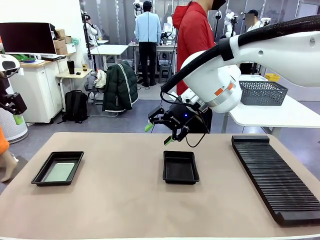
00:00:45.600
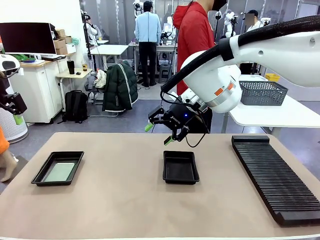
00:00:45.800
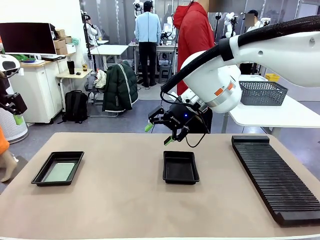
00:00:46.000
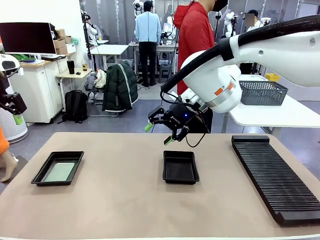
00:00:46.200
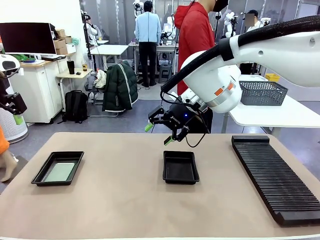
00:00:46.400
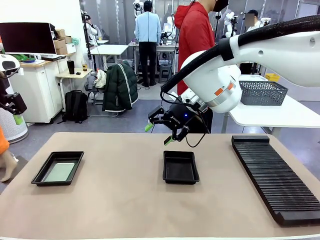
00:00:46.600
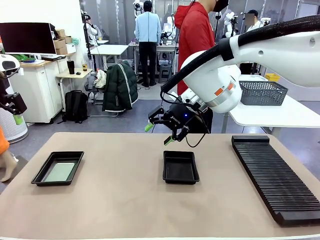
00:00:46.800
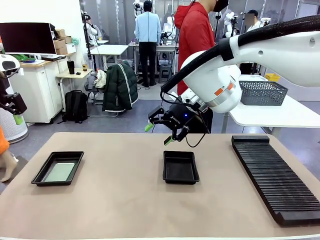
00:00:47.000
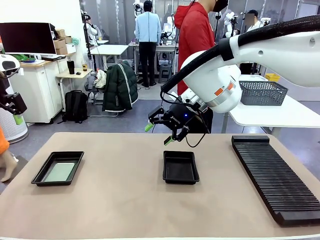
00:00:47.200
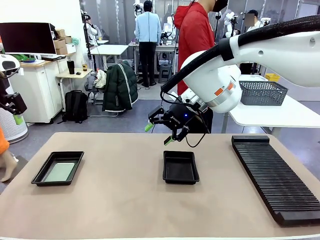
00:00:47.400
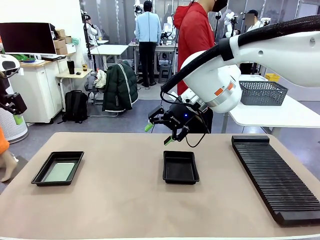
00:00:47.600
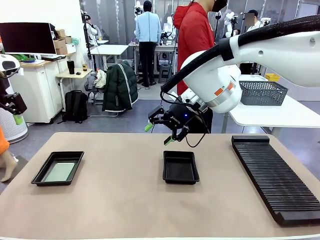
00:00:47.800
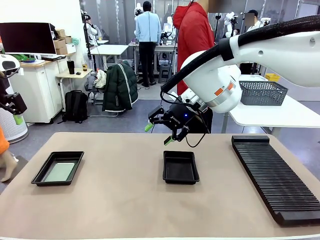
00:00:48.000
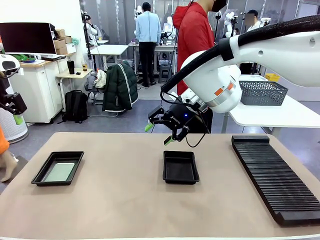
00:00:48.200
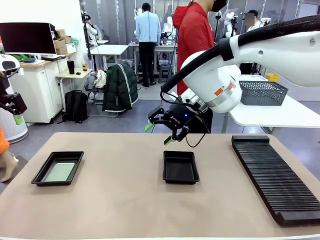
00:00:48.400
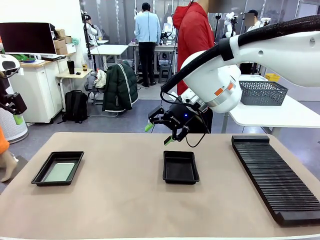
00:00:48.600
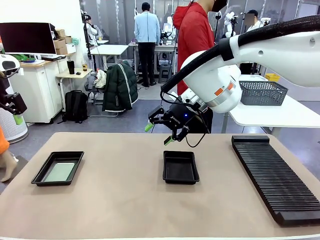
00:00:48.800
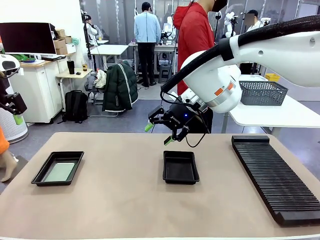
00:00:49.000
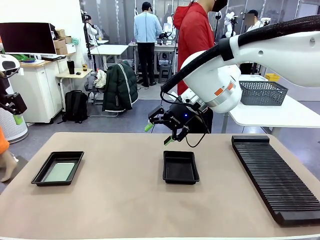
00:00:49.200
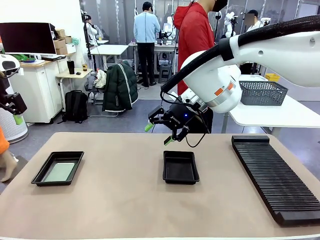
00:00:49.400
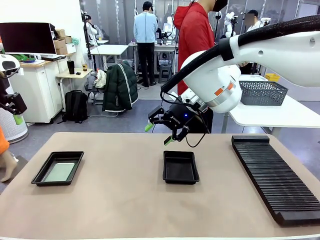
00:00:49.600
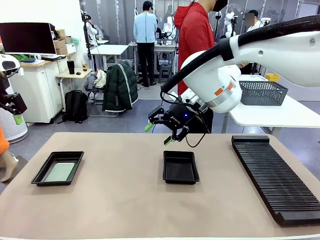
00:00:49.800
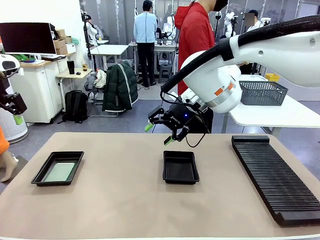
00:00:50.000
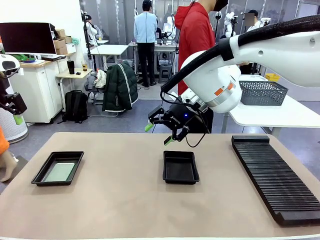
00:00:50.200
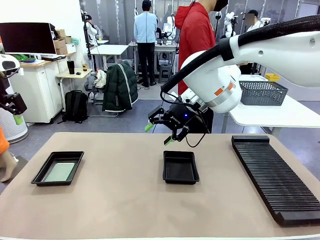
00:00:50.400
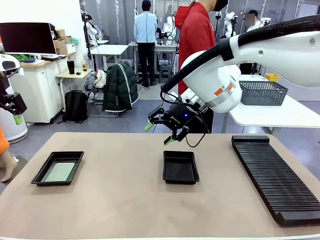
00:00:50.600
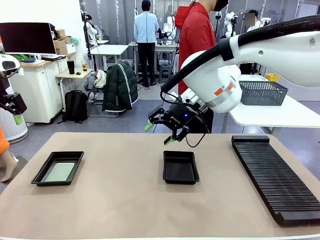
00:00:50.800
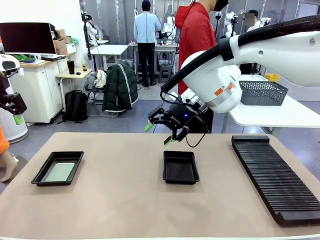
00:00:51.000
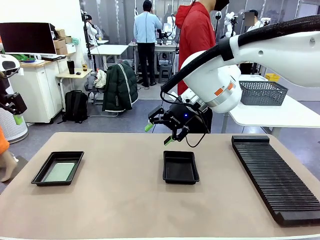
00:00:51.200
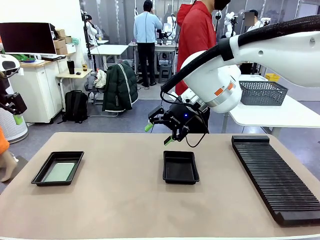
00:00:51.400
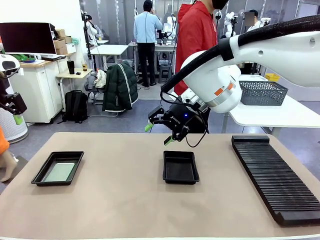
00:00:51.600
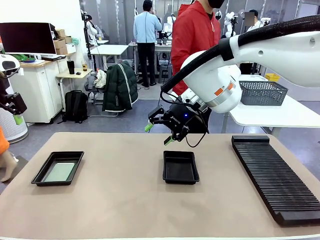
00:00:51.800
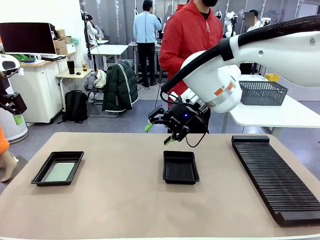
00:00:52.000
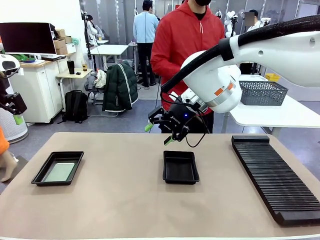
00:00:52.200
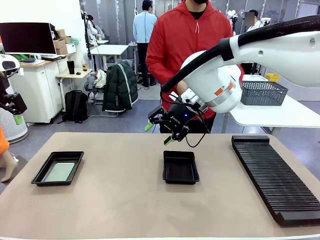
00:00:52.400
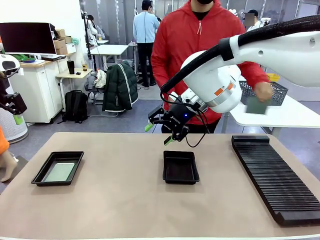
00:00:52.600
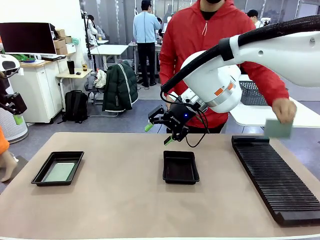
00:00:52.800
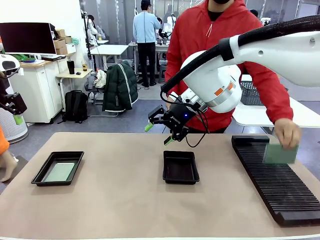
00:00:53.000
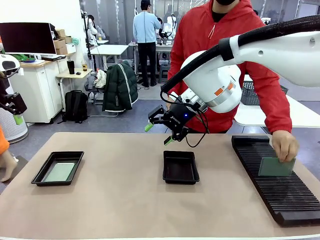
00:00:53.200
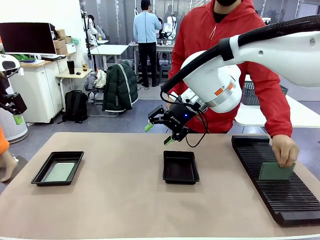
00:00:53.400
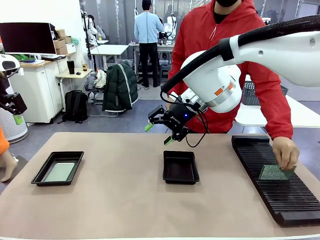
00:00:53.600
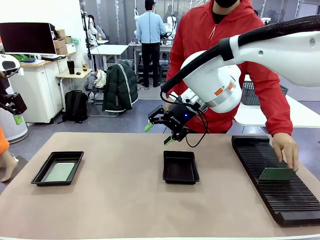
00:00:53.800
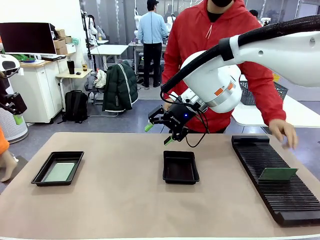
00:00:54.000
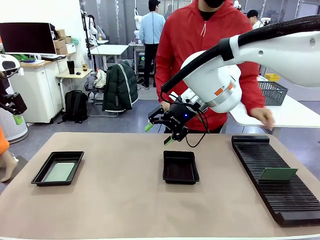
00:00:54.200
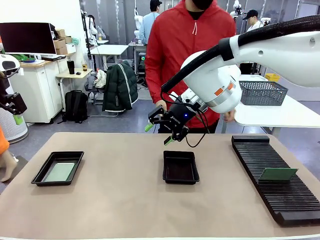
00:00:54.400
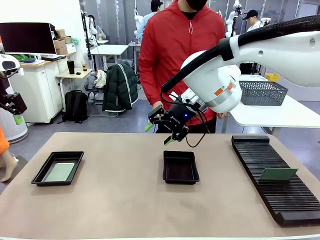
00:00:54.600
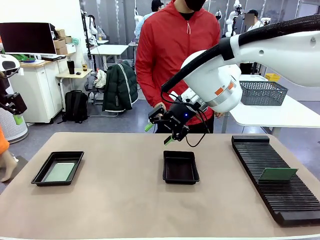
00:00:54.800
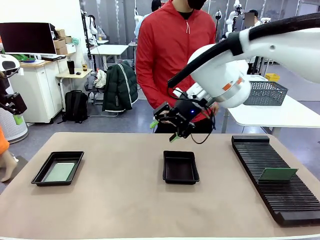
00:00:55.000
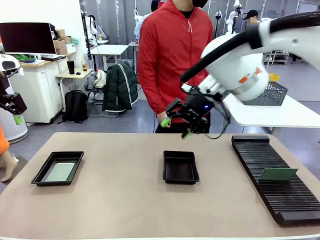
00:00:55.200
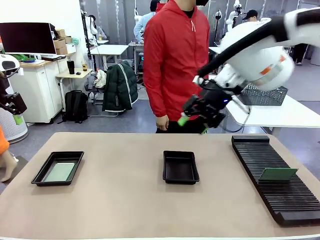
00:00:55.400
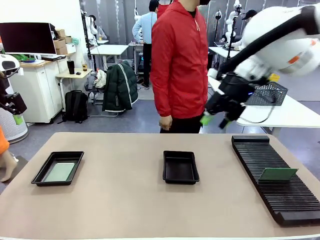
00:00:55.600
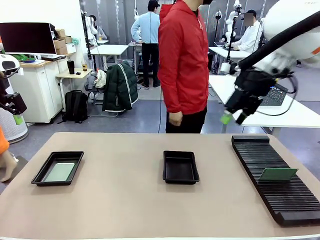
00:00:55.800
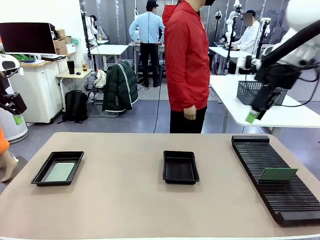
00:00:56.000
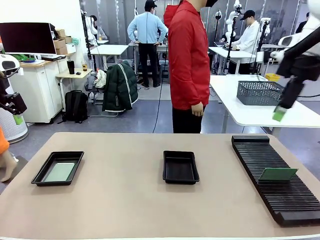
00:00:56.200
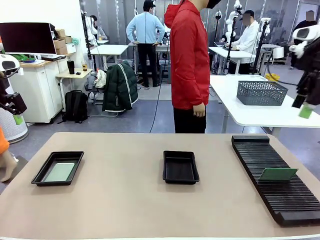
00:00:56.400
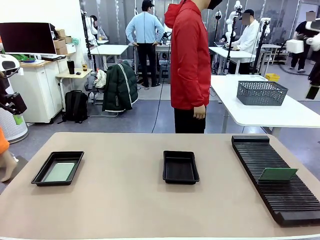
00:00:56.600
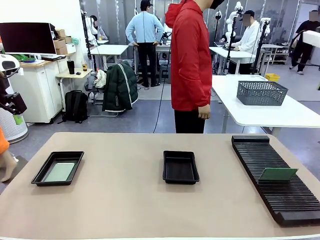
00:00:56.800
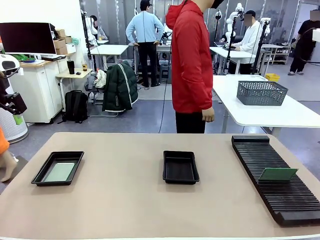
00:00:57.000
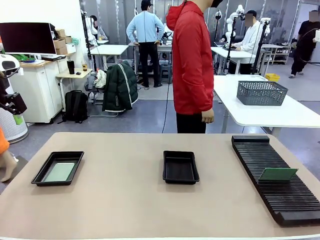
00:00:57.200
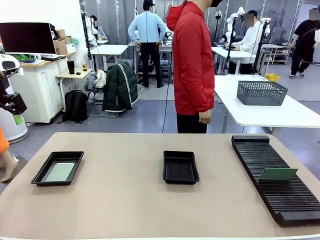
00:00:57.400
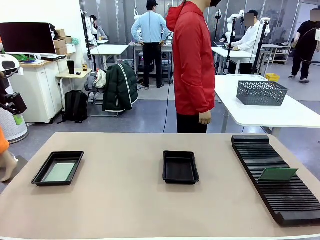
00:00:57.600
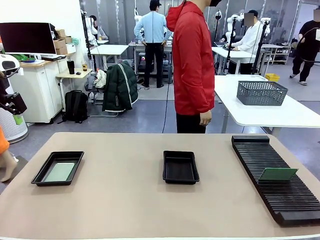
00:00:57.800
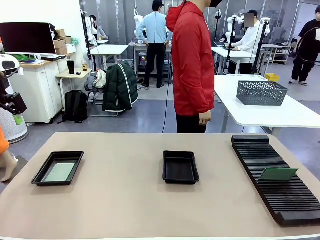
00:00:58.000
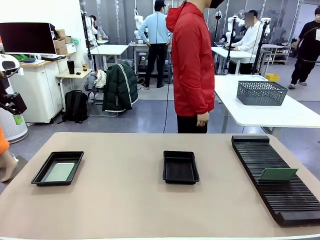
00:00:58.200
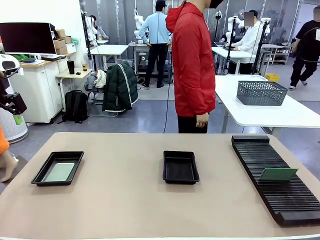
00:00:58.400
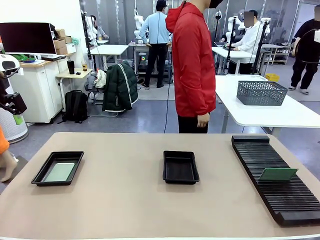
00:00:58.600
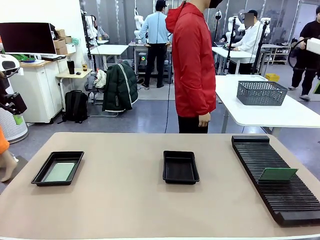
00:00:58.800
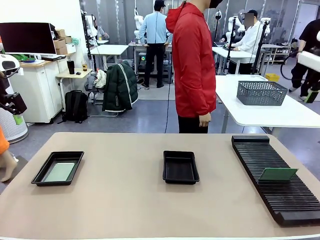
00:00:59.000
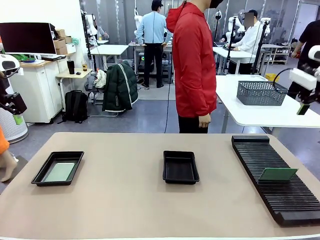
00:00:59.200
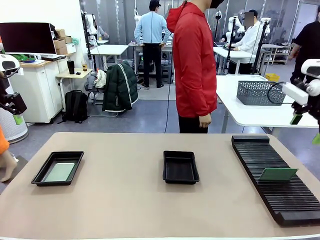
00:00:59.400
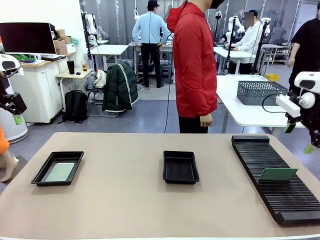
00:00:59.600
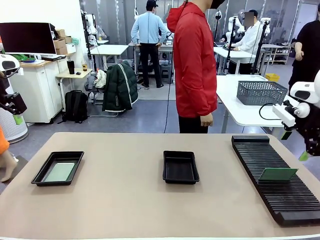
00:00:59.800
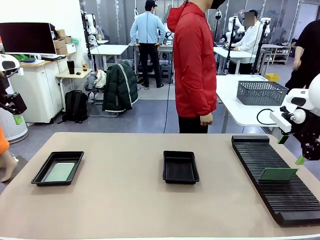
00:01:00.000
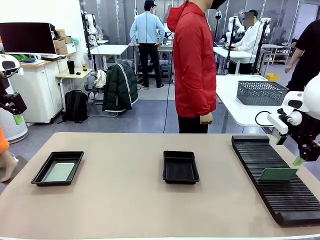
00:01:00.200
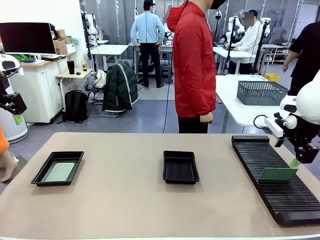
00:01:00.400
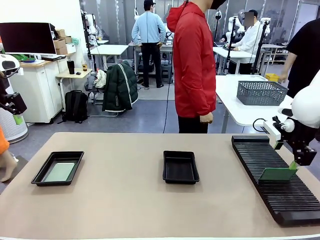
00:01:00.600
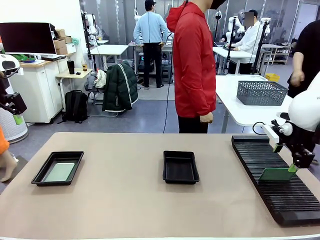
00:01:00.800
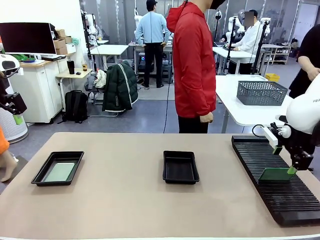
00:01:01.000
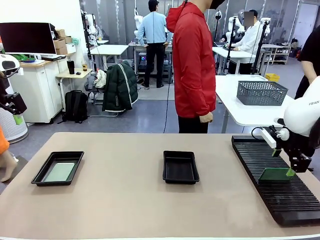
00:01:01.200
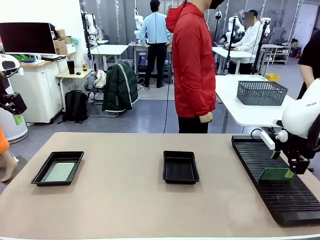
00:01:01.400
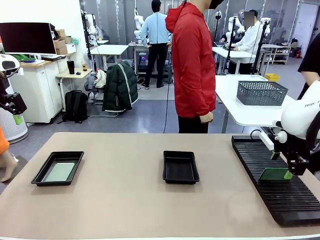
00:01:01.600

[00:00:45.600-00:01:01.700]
Task: Inspect and transfer BCBs to ESD trays.
Robot: Pick up the Blank PCB from the PCB Rack and place it in the right ESD tray.
